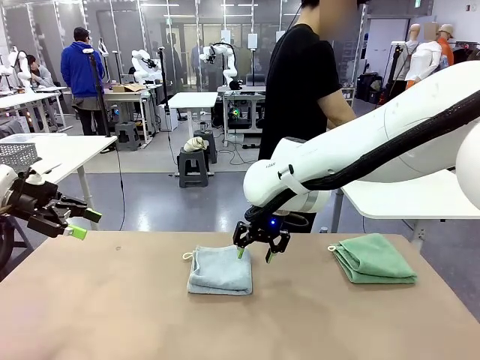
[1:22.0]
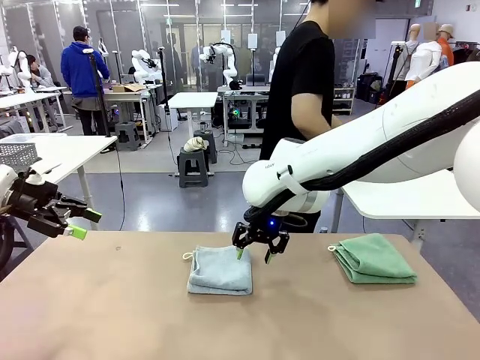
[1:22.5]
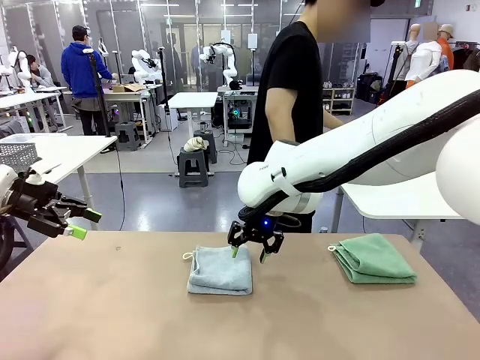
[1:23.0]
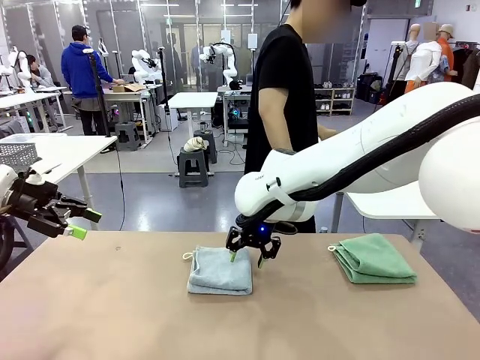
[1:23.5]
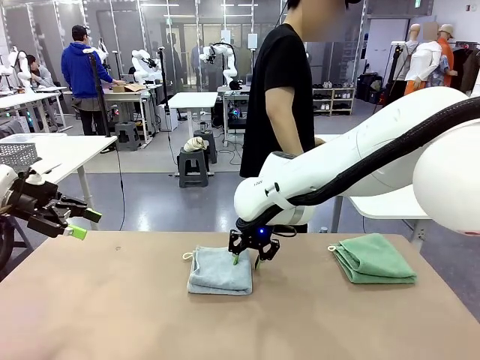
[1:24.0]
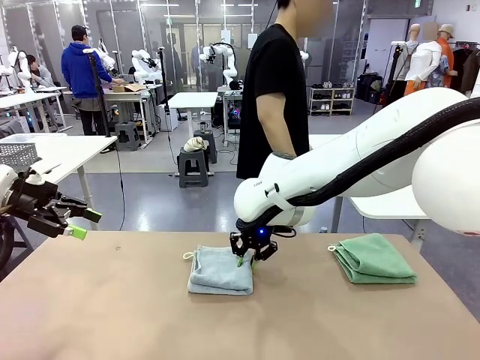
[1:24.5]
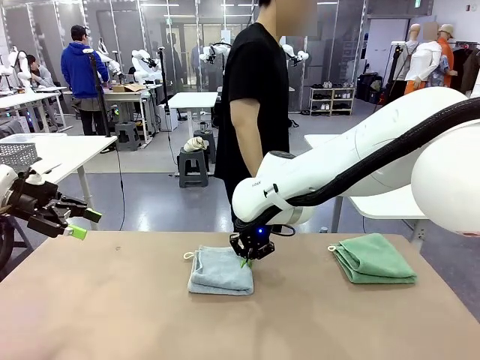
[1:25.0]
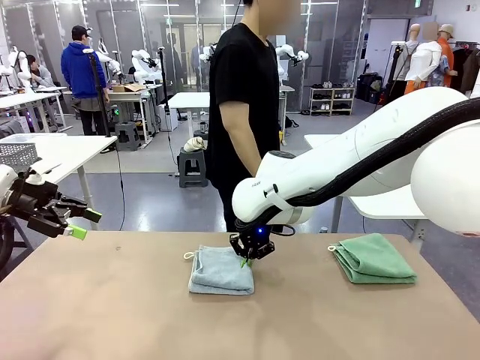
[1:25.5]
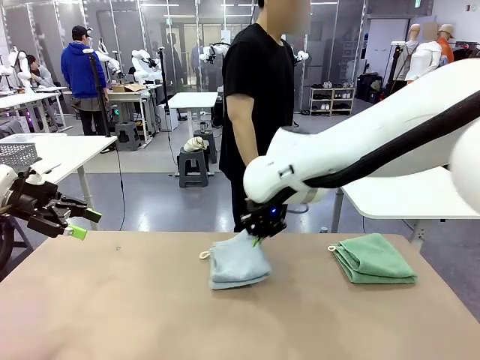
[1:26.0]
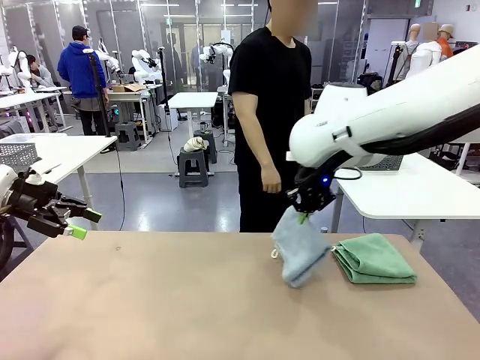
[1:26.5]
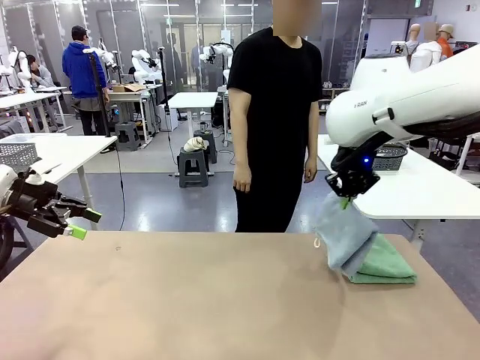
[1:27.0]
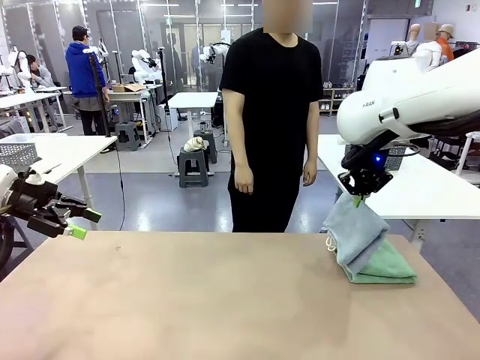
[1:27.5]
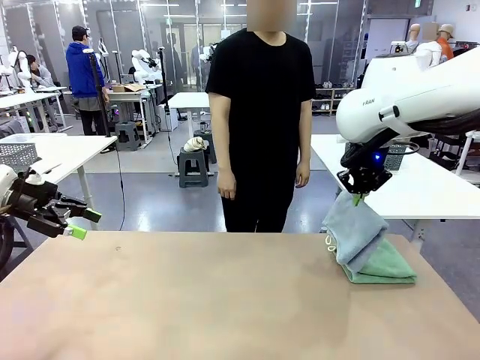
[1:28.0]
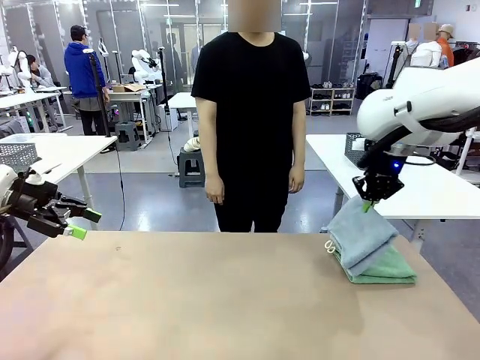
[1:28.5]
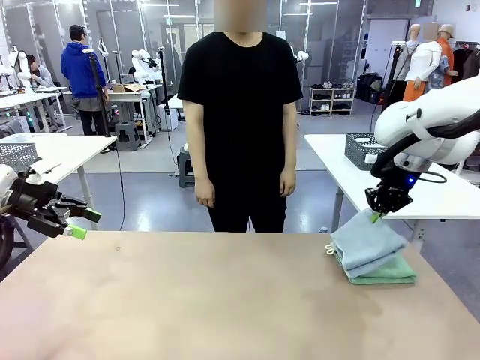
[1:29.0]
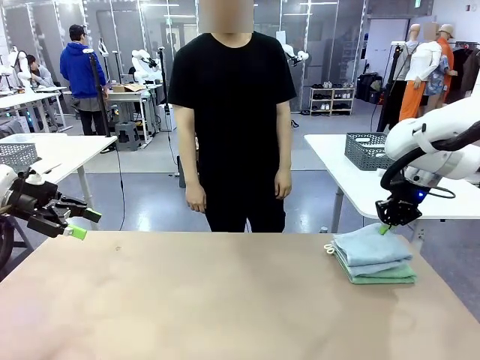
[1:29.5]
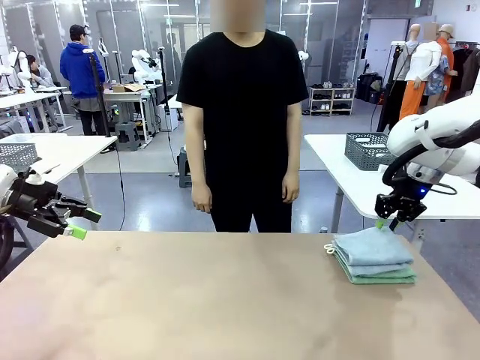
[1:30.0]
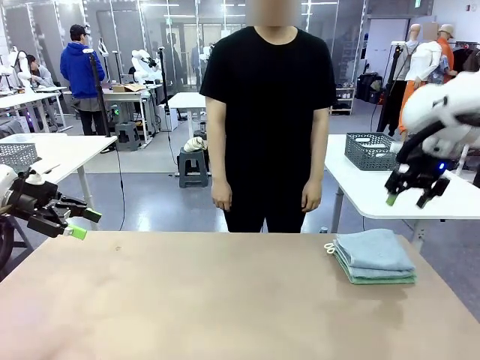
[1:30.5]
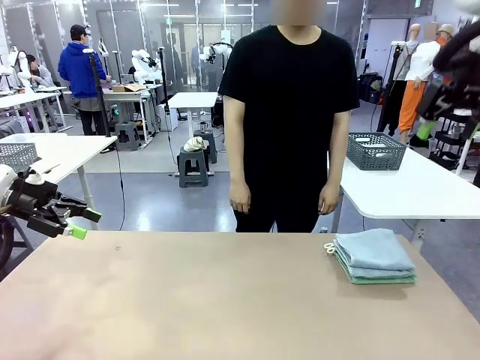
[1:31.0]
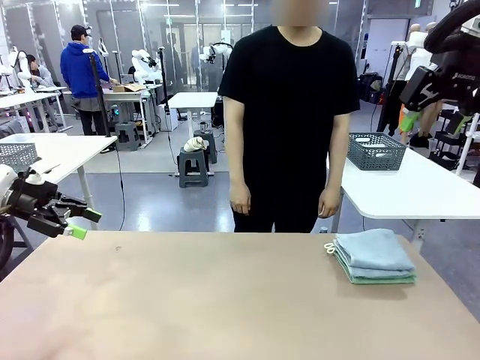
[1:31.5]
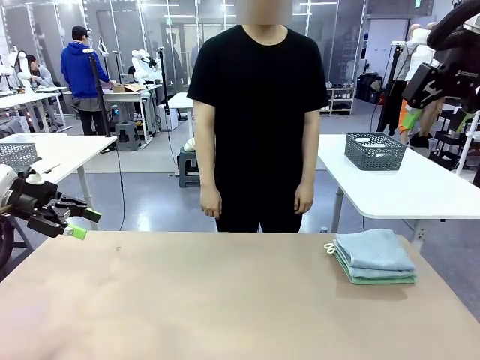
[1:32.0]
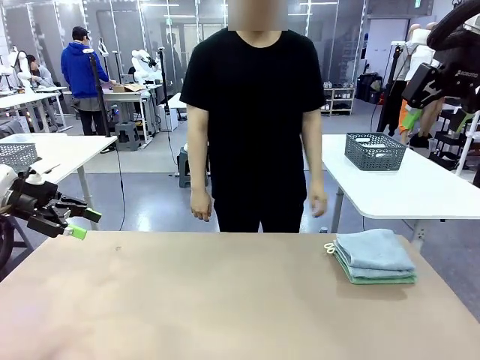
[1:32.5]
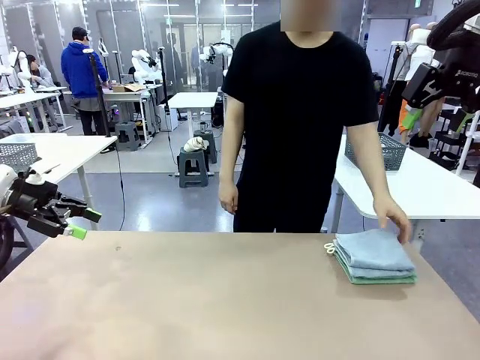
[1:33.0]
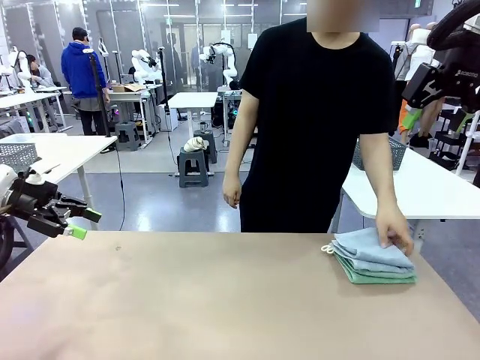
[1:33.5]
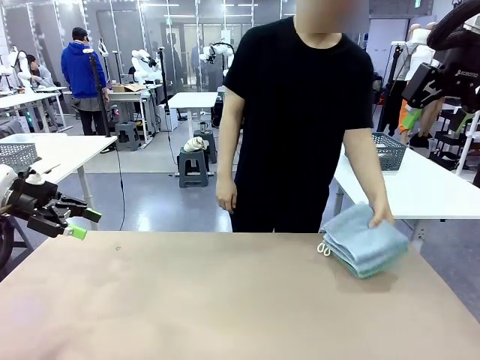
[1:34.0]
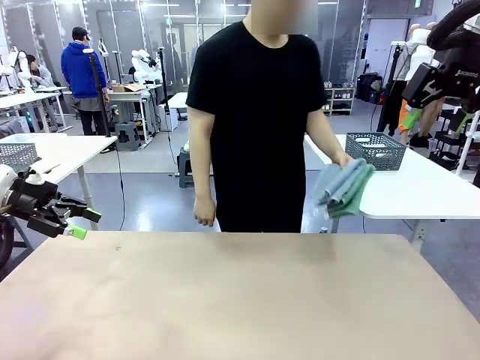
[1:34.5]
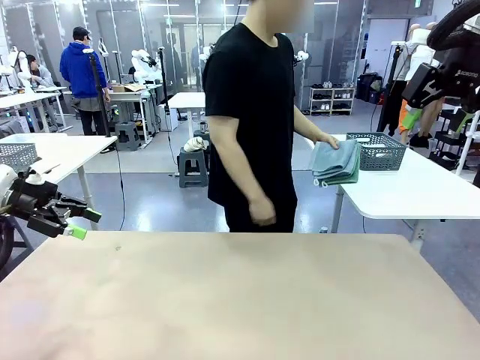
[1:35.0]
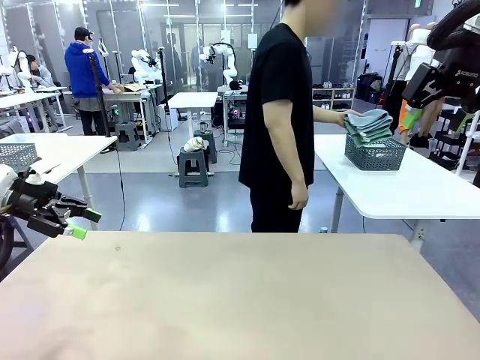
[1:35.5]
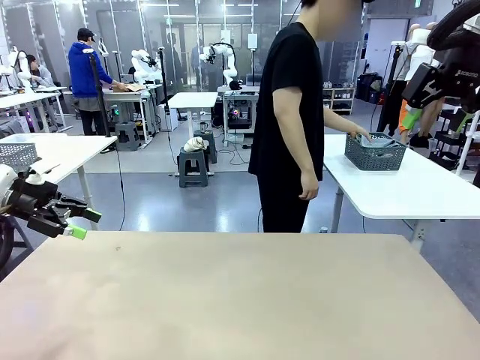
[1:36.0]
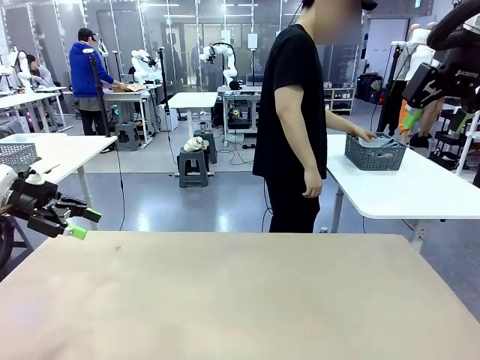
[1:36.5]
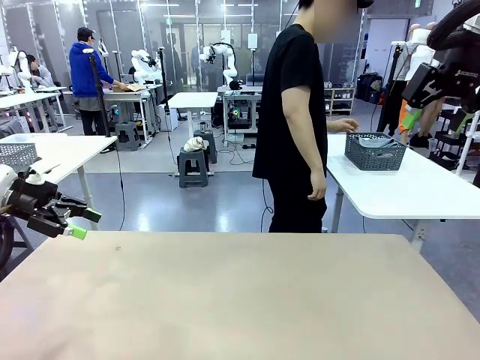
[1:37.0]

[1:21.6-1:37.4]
Task: Fold the towels and place them in the basket.
Robot: Stack the folded Towel with hook on the right side of the table.
Person: Pick up the stack of towels from the robot table and place it into the basket.
